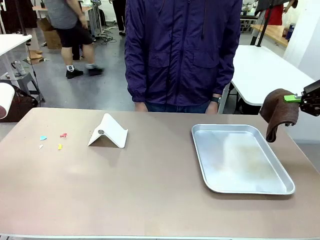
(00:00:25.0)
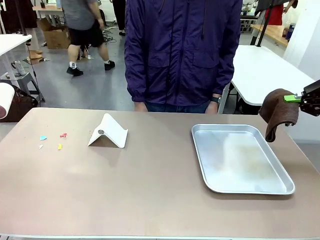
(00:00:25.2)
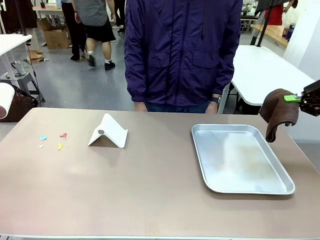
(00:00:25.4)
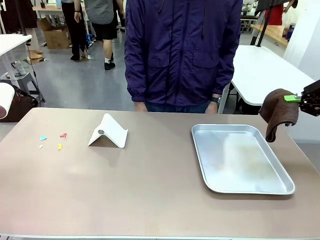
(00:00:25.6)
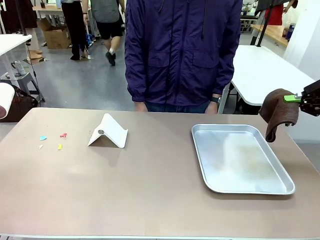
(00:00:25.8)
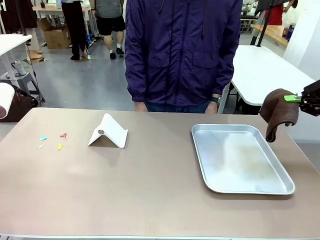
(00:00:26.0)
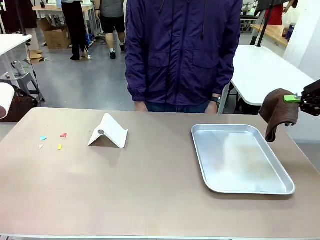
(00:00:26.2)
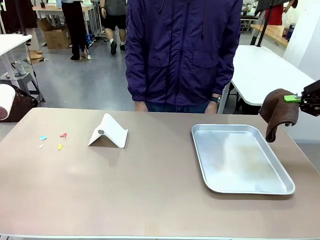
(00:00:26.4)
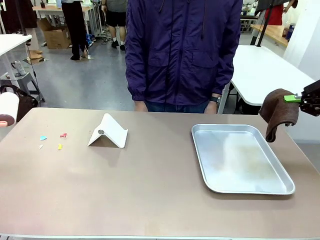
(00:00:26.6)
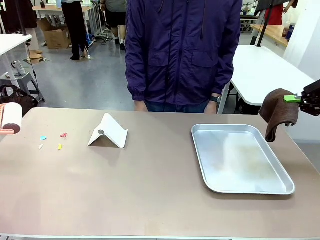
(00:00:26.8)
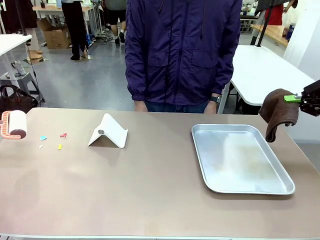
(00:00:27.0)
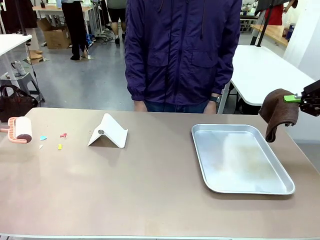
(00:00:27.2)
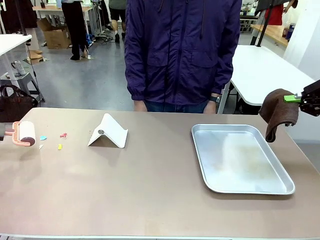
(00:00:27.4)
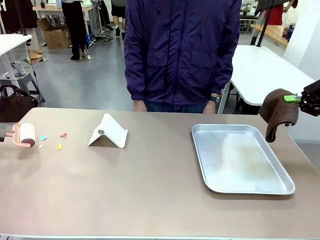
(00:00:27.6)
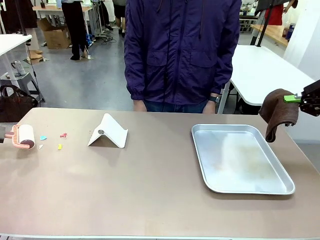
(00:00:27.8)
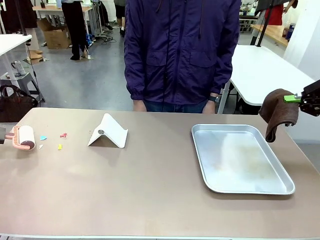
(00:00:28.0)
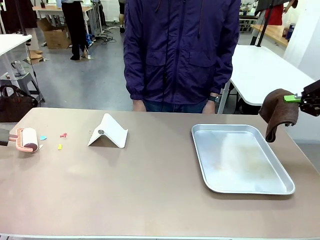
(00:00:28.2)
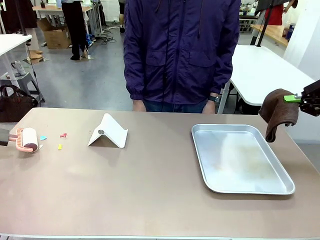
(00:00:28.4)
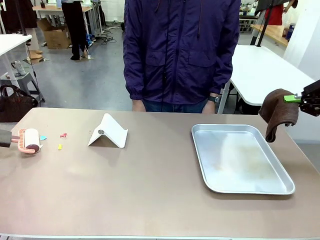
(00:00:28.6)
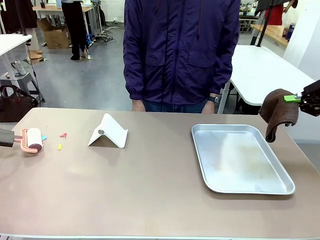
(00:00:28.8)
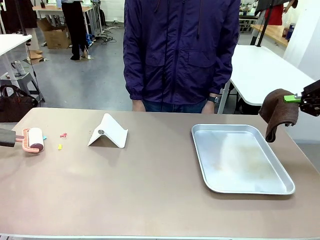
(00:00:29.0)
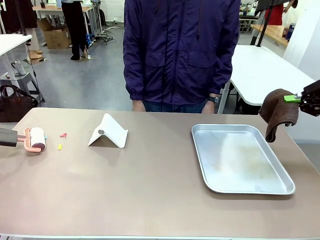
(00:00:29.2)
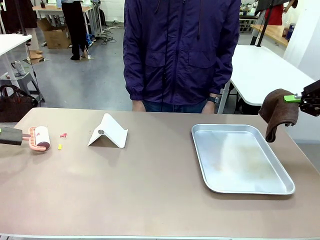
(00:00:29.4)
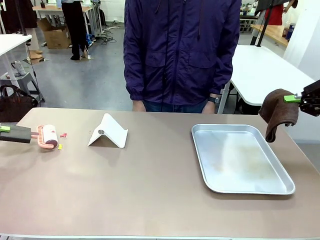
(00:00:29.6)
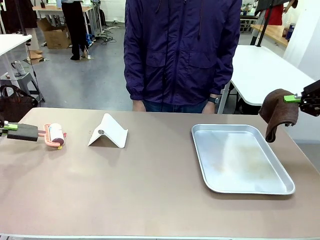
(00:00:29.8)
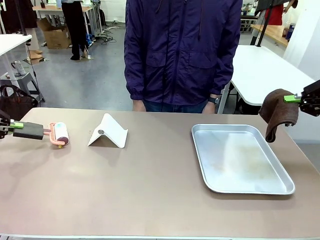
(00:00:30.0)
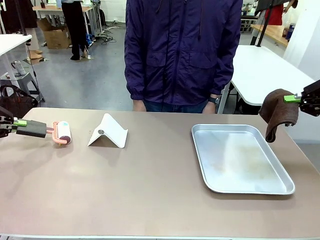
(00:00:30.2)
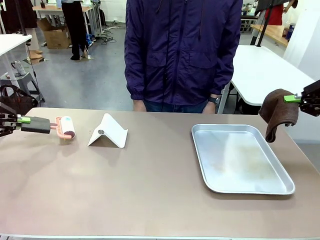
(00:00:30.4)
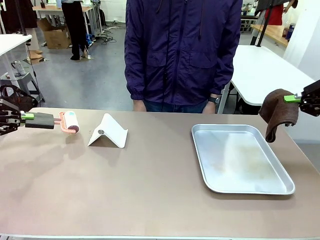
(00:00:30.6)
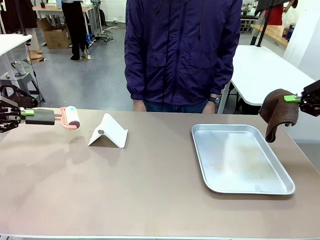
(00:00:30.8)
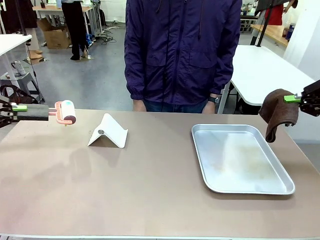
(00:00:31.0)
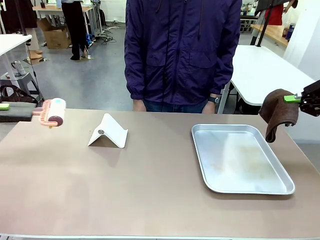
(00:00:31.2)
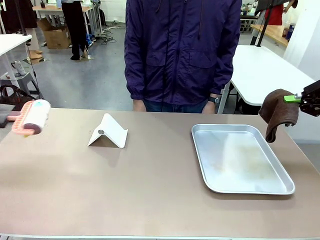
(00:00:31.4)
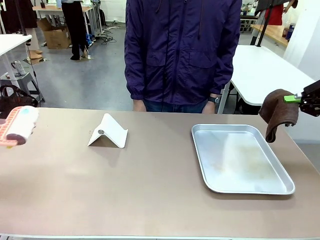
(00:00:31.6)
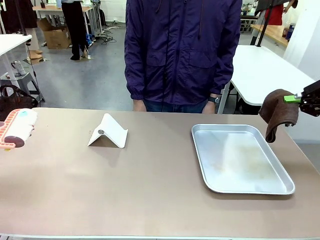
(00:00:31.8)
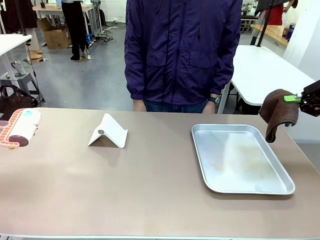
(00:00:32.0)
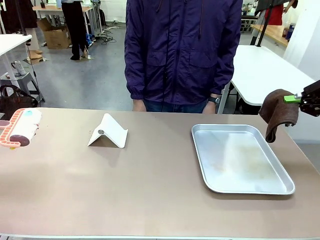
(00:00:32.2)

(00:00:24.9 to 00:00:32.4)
Task: Clean the surface of the table.
Robot: Clean the area not pointed to by the person.

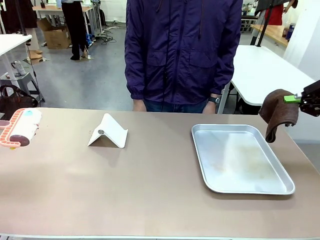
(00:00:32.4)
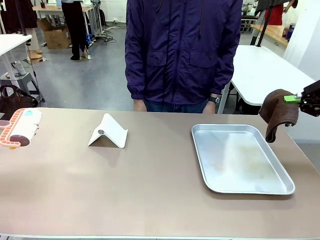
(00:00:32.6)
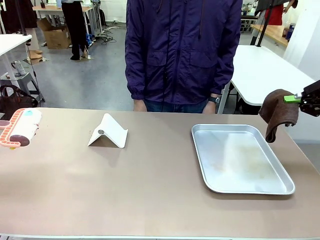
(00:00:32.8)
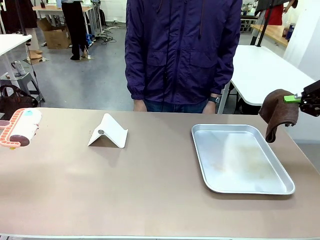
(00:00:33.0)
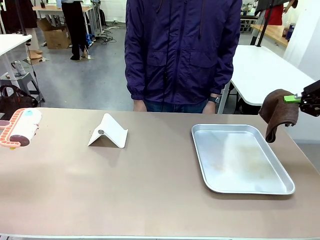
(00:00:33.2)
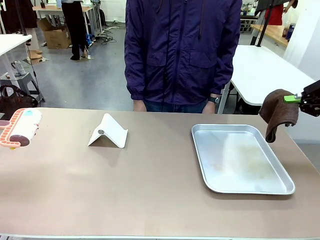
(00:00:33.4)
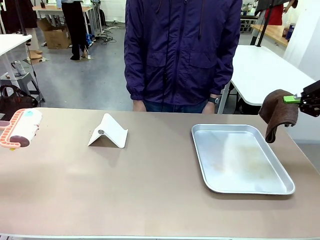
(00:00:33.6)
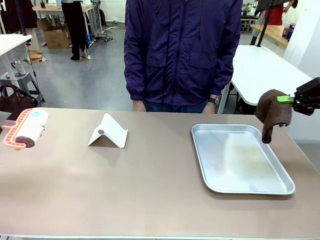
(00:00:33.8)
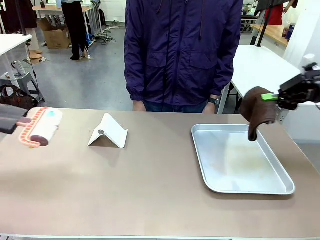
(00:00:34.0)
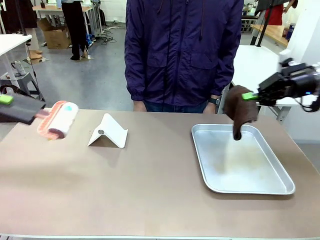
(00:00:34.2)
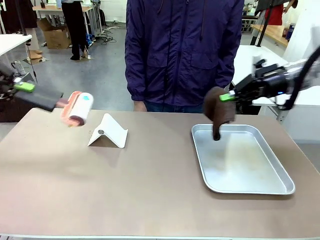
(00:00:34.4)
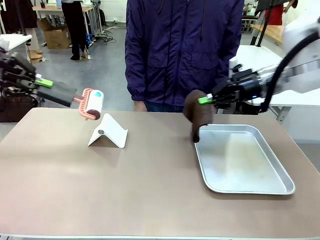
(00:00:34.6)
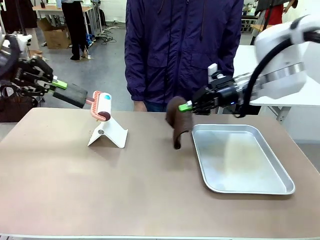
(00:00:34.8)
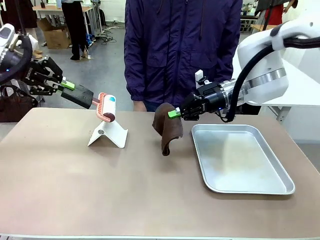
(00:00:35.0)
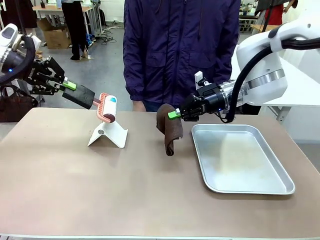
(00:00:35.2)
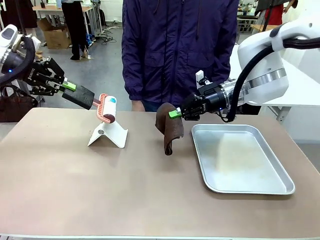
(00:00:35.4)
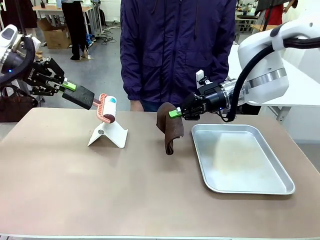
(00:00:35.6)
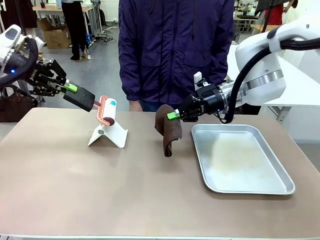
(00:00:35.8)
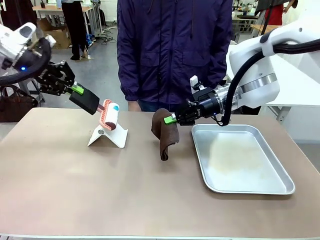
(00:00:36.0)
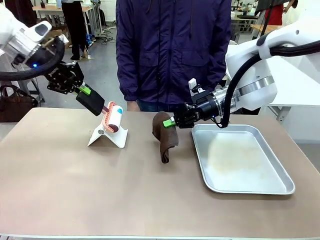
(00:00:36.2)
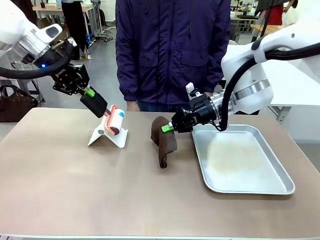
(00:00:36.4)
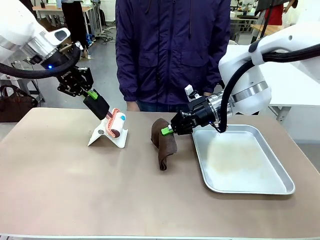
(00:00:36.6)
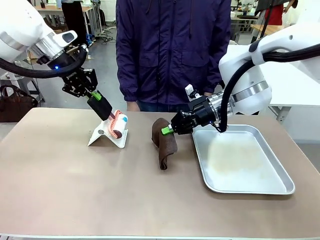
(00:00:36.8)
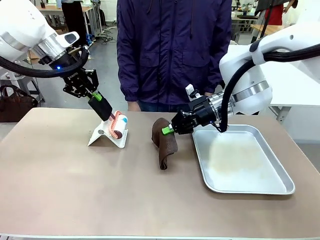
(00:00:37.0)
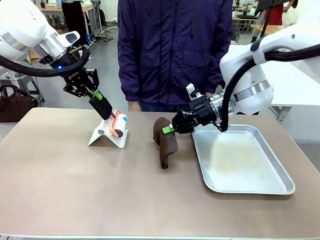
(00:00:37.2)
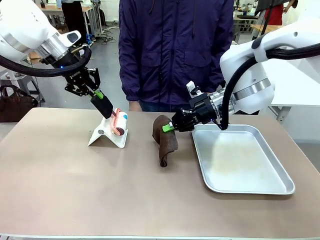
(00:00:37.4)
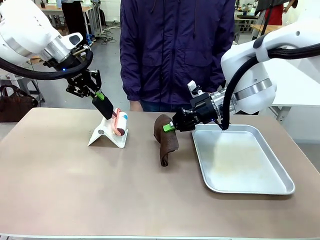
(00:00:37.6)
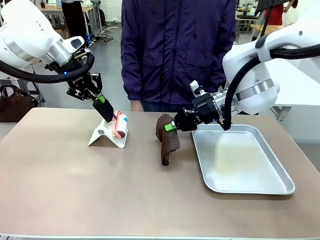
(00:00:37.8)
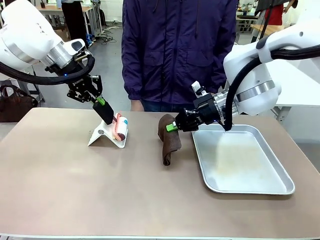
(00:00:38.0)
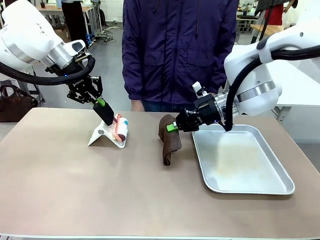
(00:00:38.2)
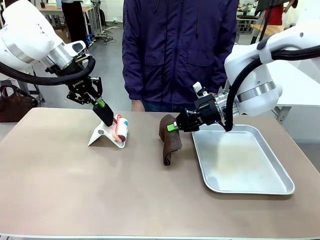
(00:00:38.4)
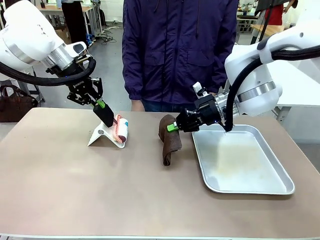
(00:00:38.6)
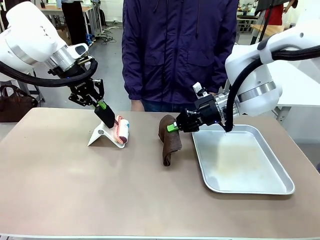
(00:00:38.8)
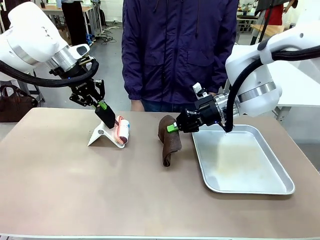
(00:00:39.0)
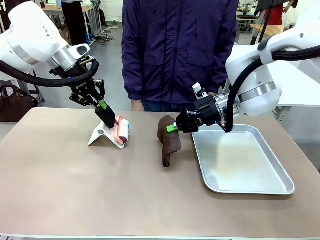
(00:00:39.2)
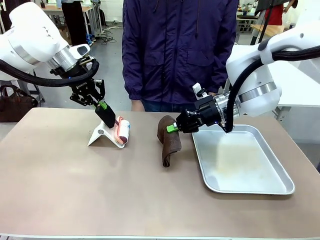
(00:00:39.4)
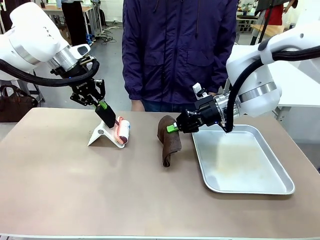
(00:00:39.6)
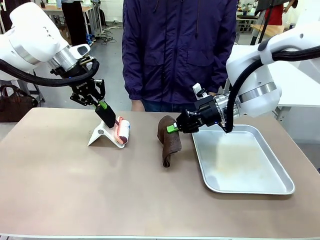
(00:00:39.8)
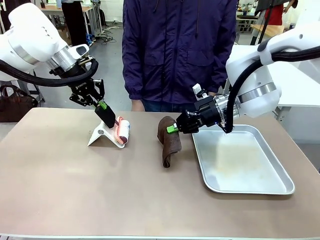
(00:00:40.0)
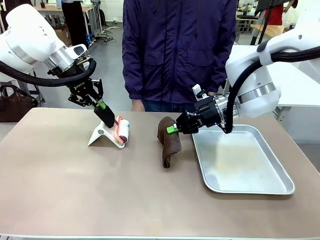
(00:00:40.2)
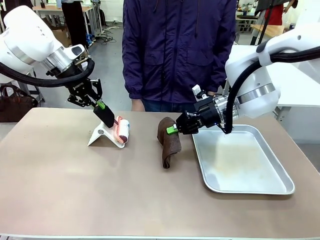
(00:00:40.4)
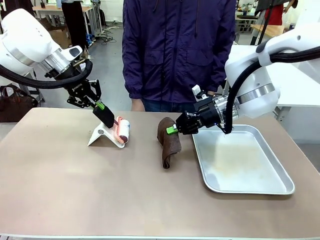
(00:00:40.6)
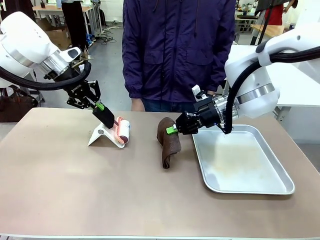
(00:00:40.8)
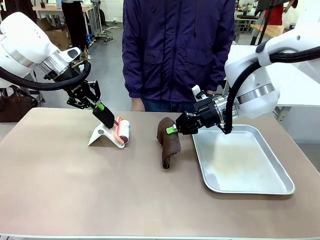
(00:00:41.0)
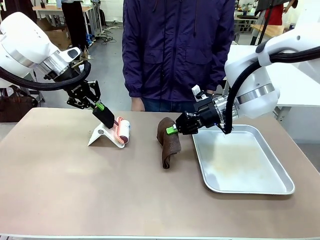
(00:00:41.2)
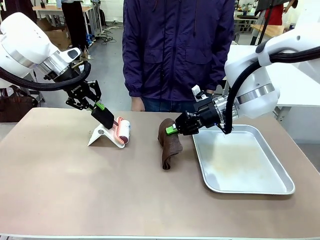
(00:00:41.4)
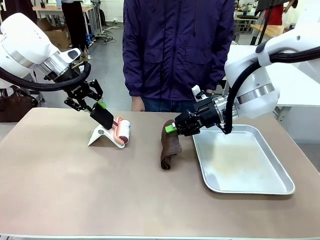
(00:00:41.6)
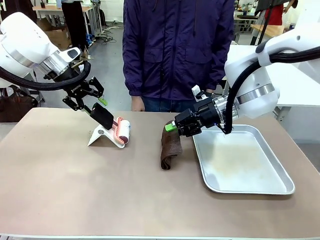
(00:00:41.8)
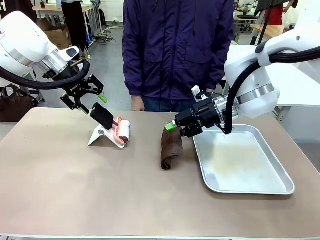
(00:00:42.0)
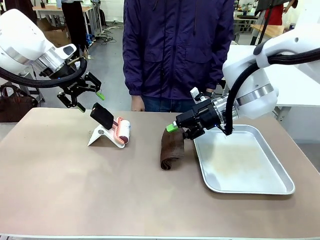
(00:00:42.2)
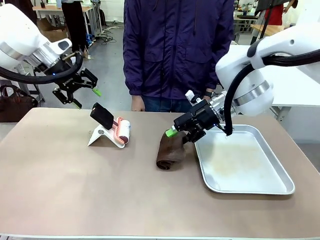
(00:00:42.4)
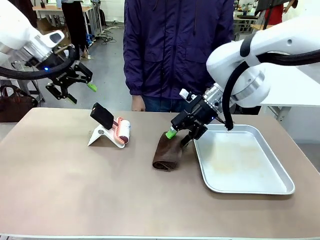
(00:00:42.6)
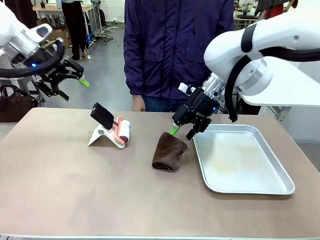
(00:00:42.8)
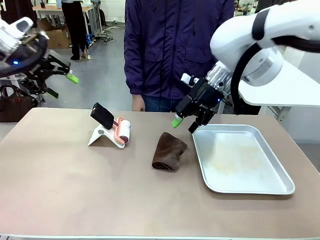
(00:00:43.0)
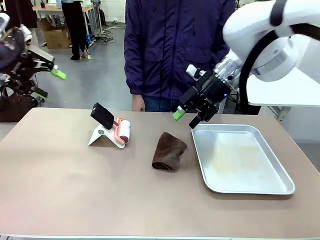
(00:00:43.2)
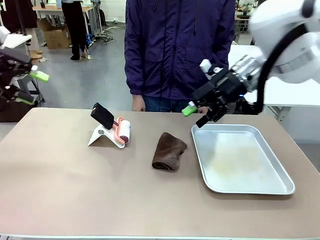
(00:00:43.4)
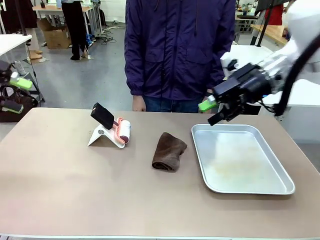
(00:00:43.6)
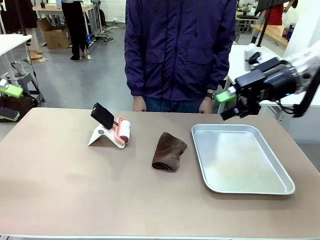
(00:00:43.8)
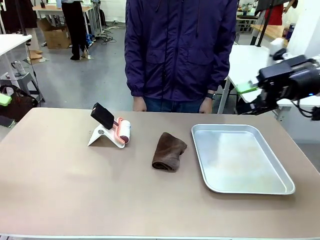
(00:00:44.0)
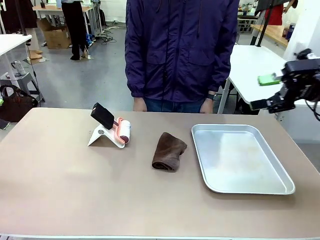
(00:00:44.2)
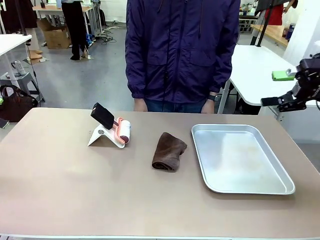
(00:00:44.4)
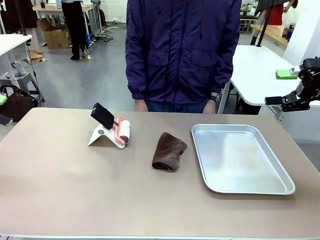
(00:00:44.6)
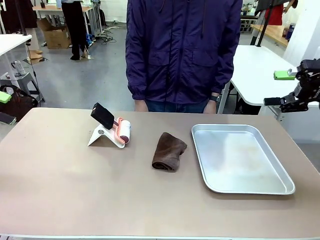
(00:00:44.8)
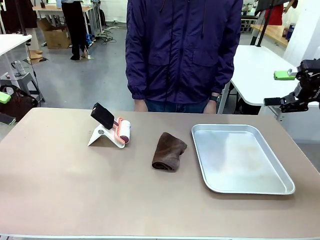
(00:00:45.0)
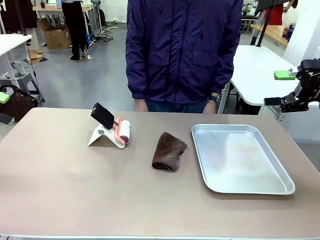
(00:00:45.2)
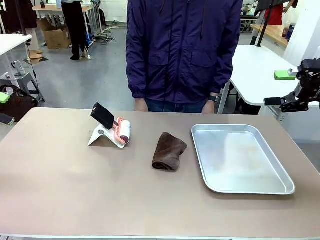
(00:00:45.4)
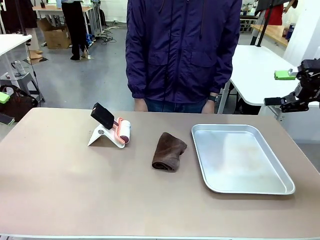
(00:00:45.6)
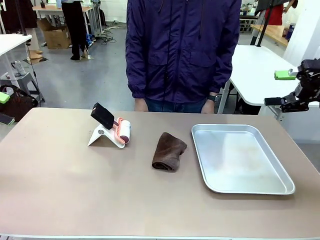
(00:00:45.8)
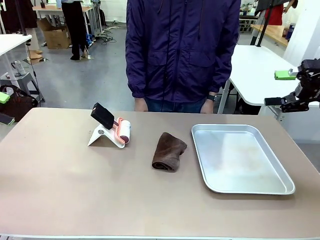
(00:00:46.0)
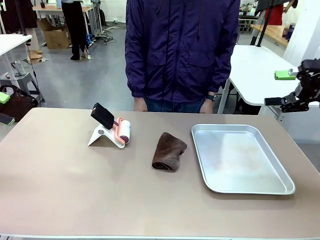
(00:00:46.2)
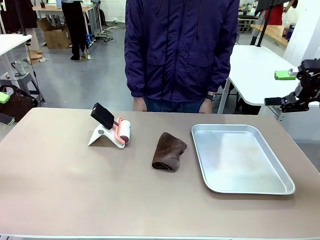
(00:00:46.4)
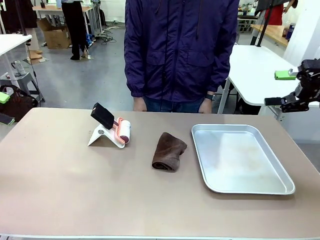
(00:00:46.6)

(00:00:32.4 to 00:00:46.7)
Robot: Return the Lint Roller and towel to their original positions.
